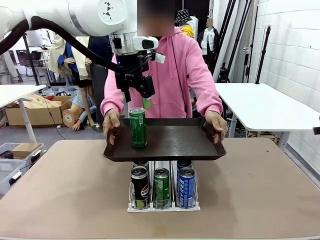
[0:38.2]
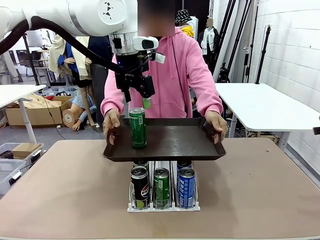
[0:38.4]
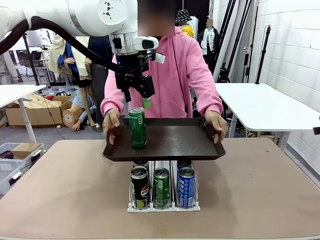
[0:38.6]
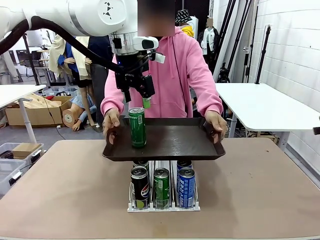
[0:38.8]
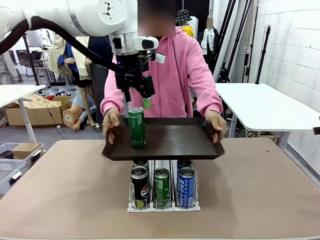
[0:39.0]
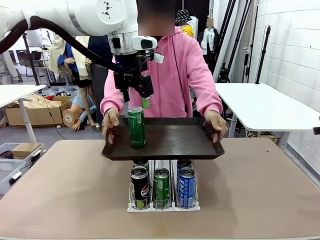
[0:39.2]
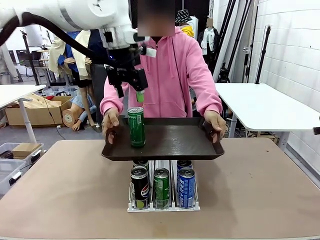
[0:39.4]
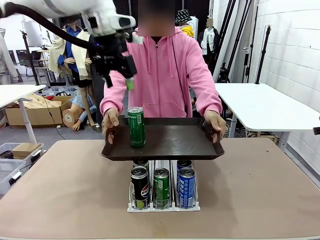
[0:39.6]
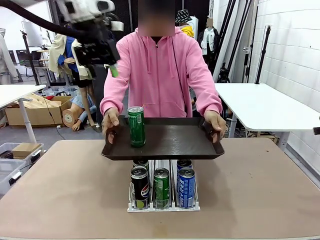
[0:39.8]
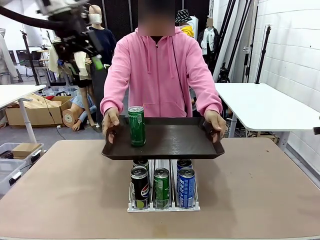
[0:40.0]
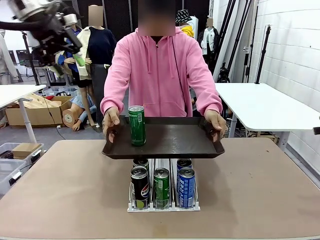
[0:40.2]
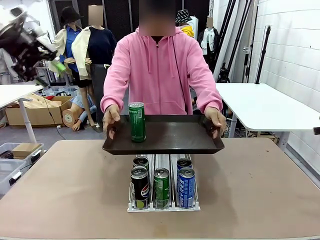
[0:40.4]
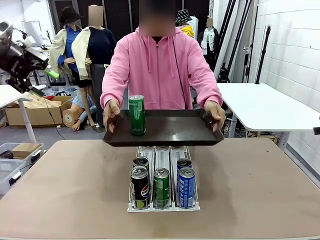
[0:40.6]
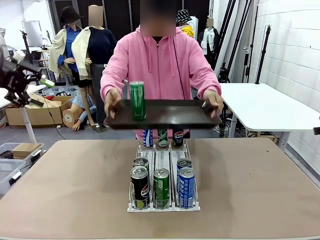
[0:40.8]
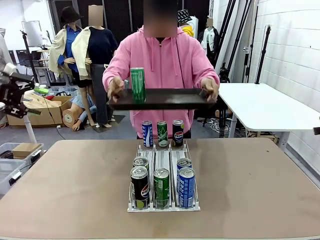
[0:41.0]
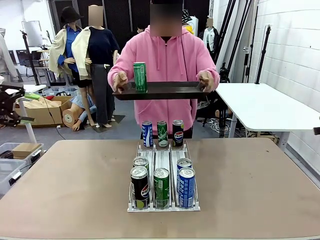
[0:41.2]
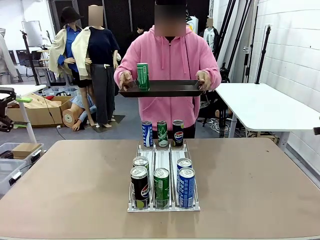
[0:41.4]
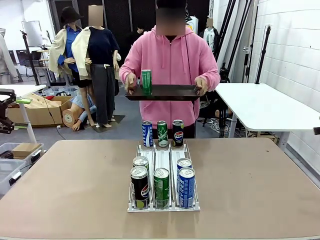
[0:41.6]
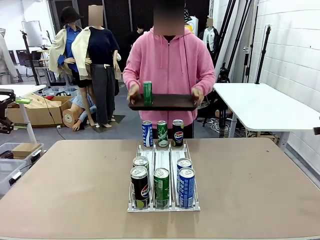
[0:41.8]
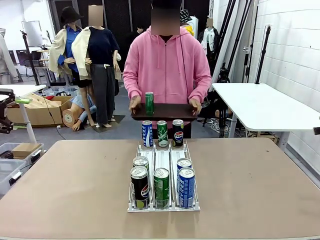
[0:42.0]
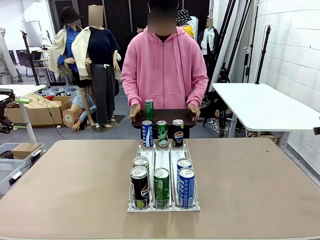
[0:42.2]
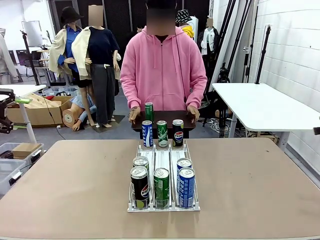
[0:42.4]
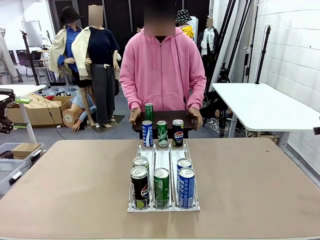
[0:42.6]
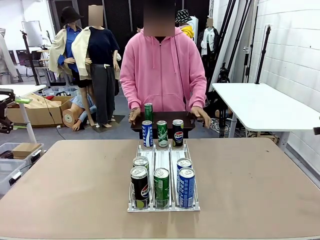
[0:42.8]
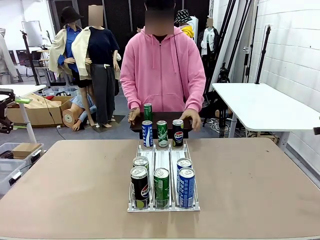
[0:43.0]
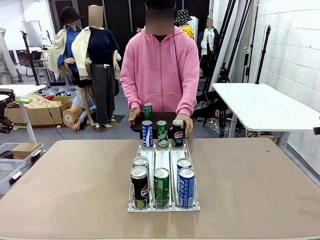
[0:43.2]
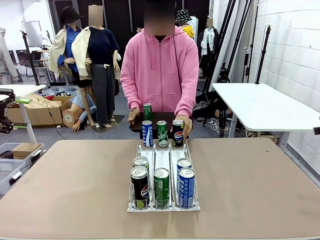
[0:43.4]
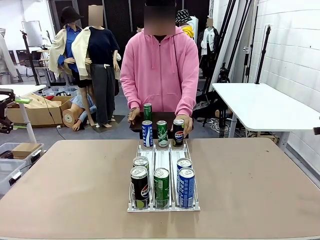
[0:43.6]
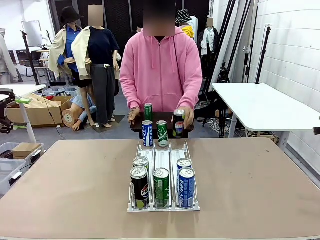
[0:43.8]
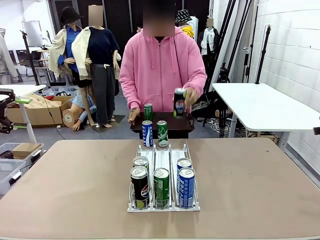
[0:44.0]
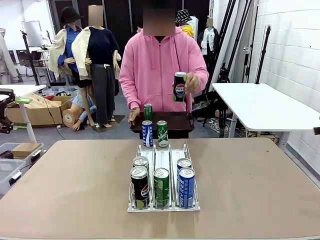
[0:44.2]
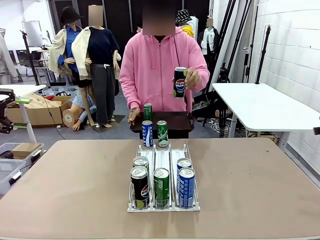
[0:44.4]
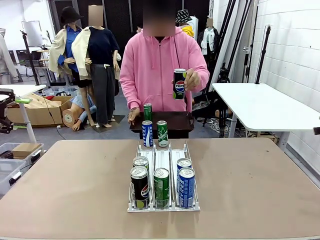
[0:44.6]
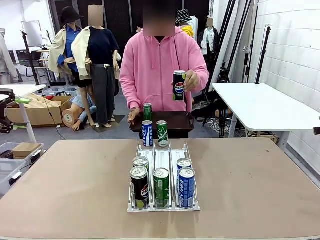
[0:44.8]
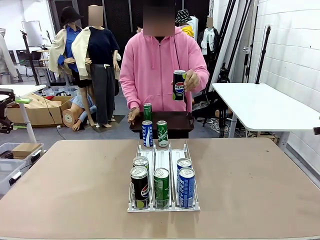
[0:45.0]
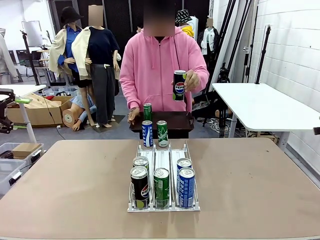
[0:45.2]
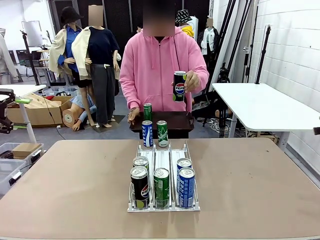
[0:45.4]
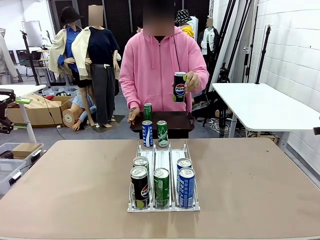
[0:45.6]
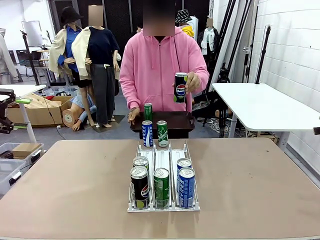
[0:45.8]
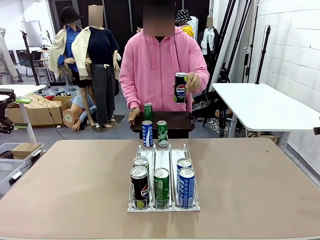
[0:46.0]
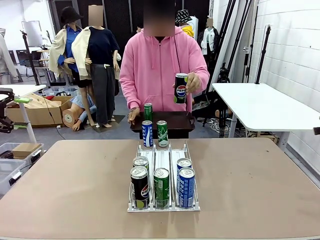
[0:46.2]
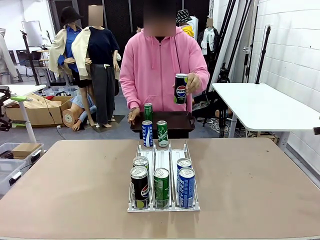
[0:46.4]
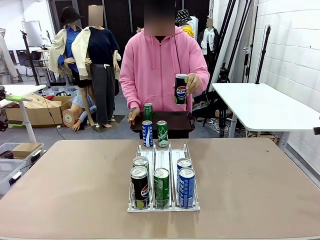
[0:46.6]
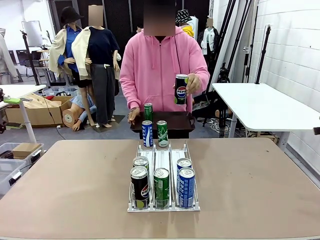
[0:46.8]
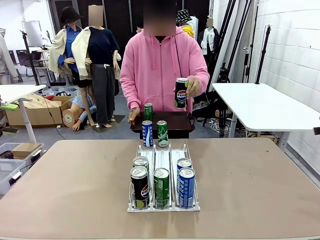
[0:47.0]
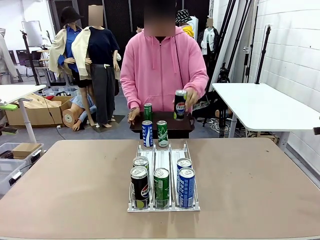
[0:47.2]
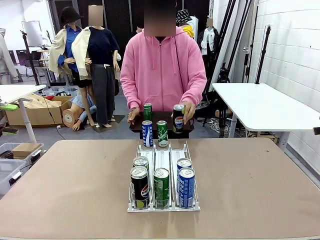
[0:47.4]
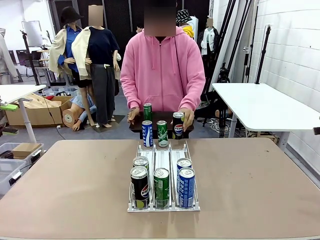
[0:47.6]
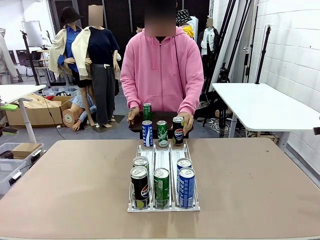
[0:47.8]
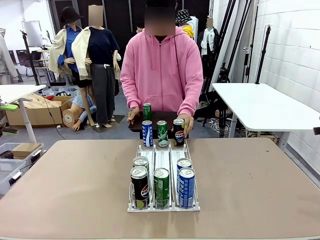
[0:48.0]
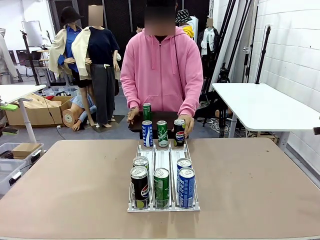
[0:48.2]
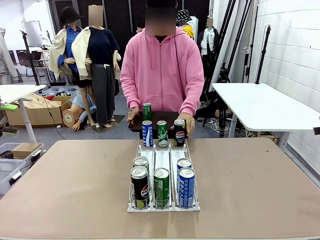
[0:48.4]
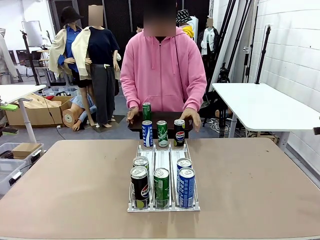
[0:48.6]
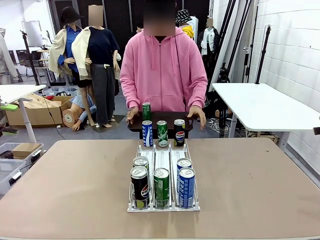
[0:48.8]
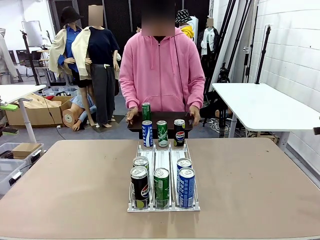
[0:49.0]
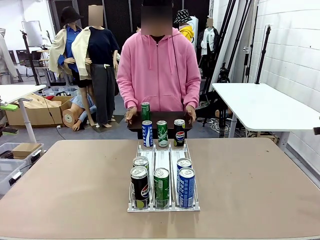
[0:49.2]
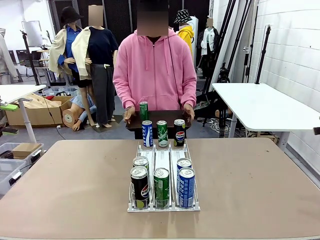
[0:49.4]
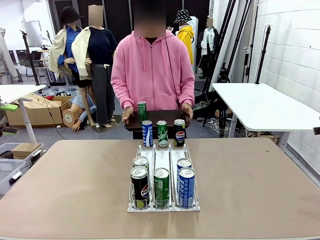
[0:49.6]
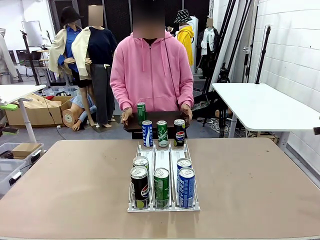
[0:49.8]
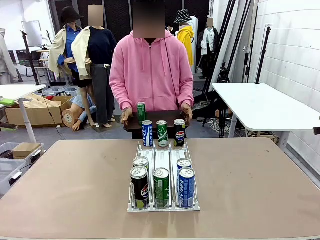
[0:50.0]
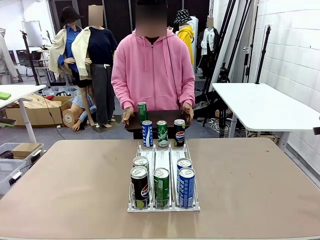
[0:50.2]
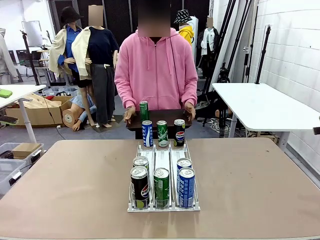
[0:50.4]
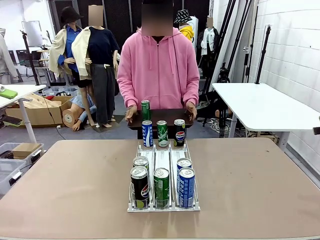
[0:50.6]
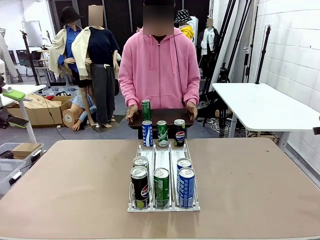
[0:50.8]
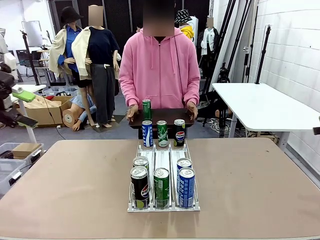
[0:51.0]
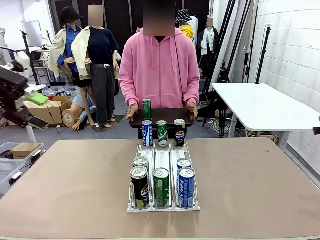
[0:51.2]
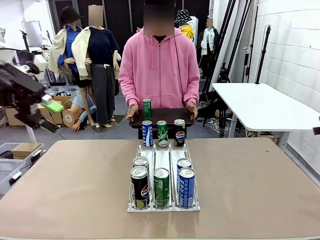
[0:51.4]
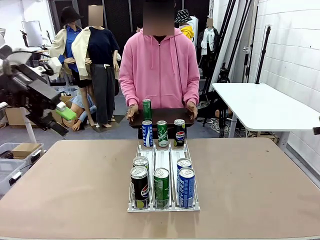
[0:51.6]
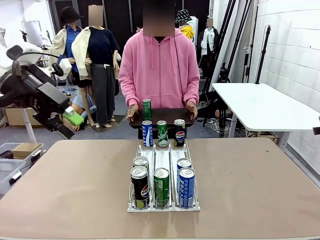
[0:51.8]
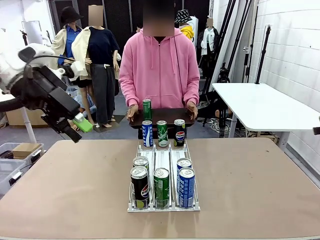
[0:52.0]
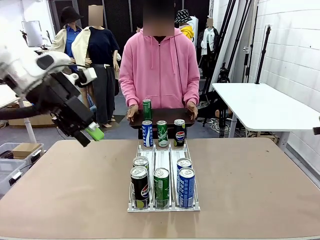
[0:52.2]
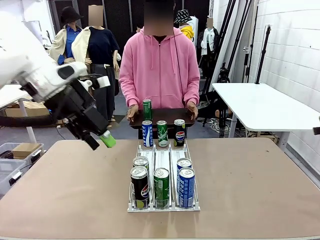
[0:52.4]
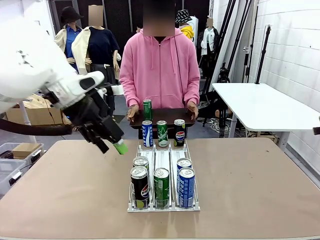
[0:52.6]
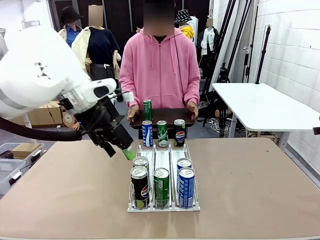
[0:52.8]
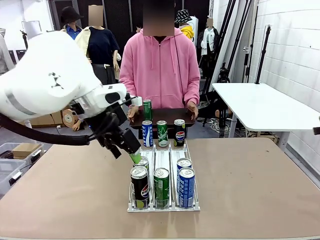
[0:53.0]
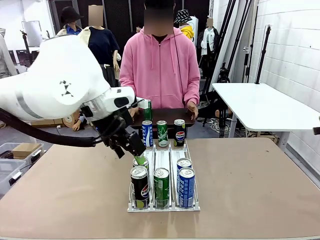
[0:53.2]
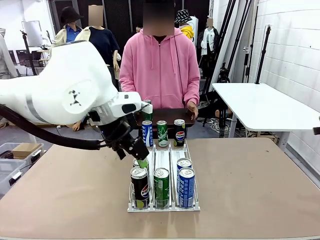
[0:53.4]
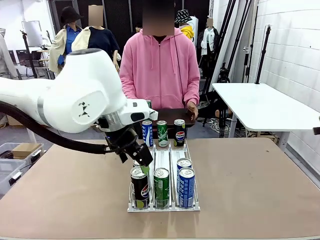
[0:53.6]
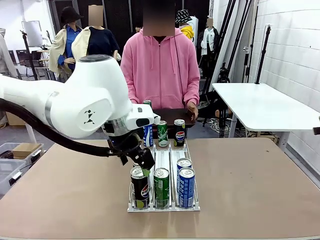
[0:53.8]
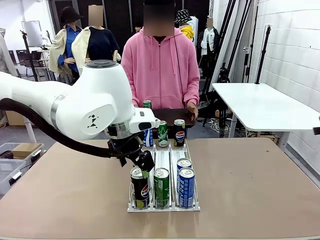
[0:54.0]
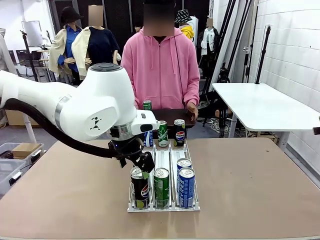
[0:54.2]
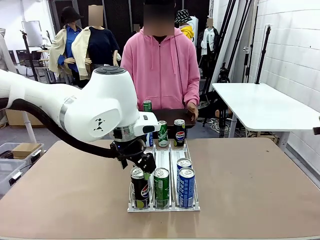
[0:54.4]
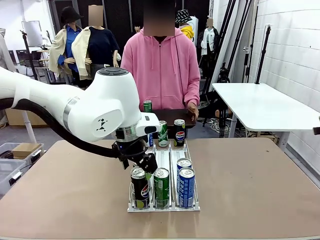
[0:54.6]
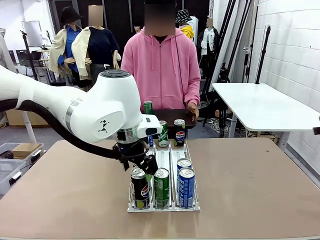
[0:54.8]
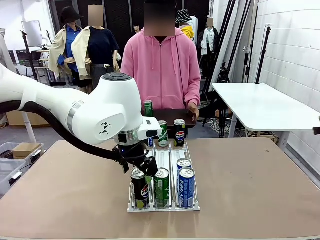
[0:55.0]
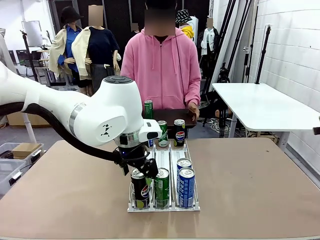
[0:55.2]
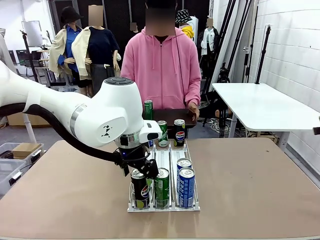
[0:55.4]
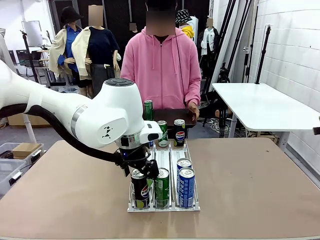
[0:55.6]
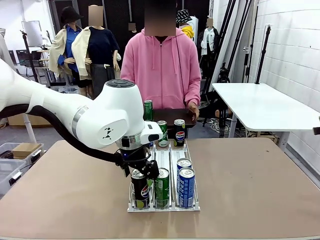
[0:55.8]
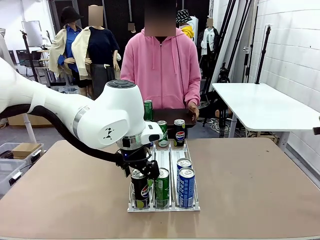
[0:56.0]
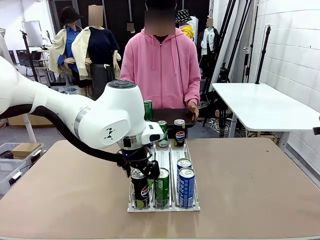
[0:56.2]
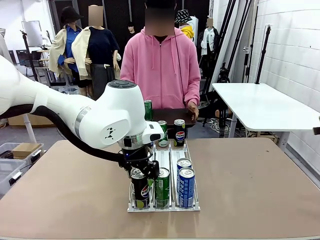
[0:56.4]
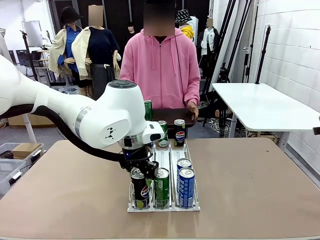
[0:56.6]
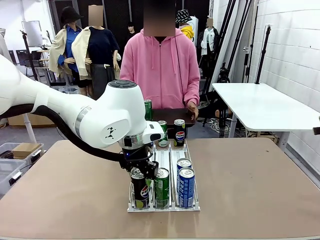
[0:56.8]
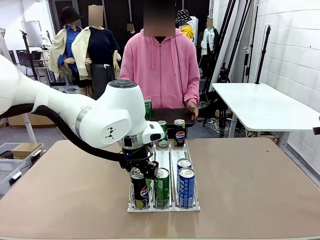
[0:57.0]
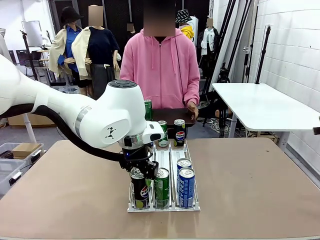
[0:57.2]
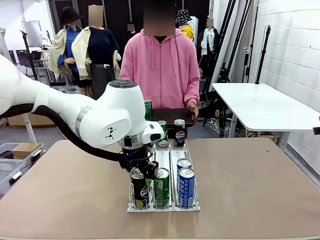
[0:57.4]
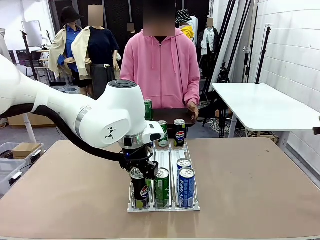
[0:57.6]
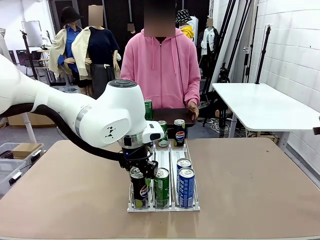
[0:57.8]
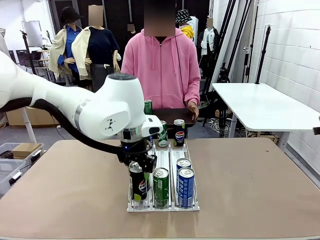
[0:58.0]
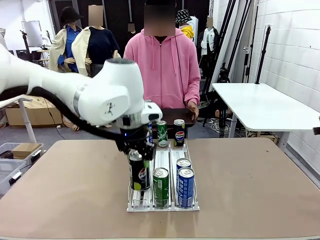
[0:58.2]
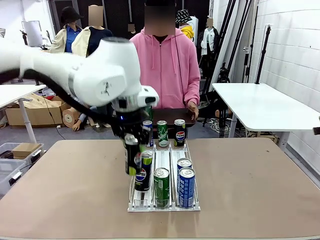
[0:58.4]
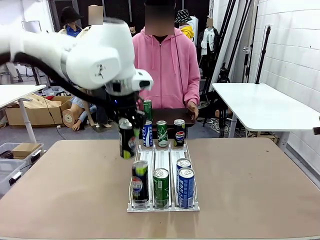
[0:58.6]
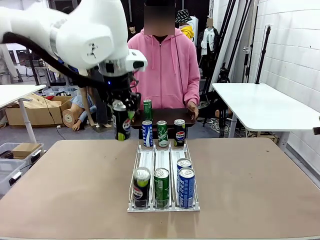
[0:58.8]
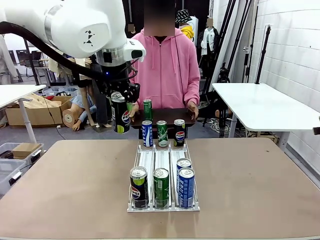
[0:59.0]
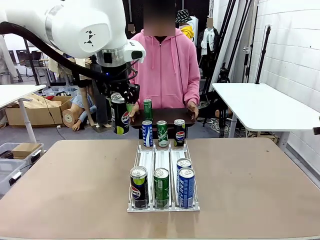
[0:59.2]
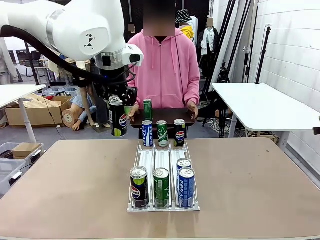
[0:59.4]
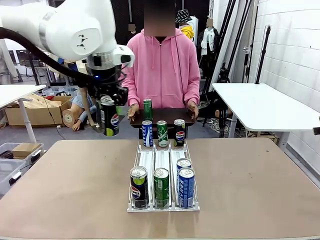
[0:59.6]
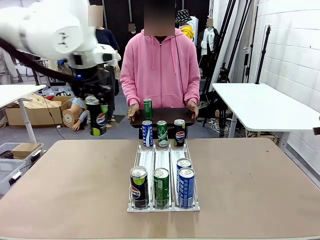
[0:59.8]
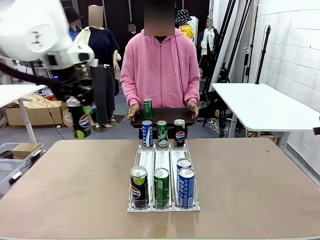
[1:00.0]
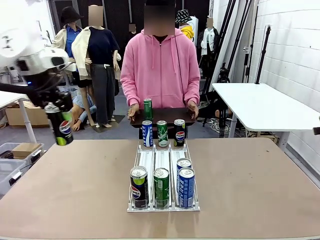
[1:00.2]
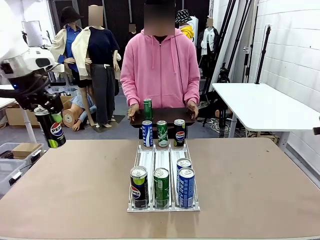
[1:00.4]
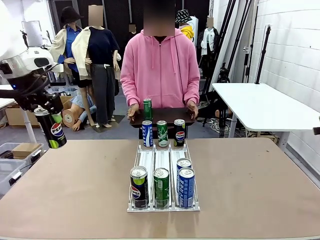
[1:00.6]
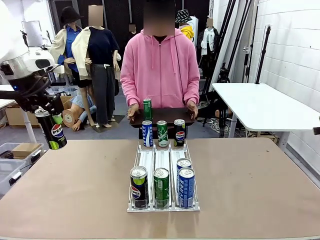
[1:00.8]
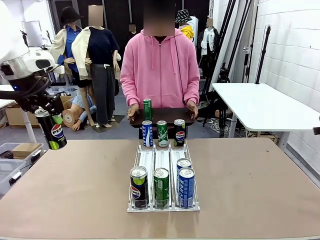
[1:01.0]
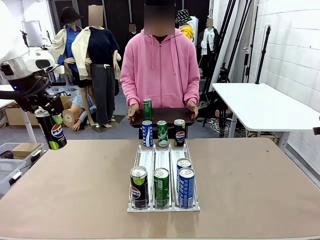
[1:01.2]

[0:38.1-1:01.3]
Task: Retrieve and hand over the desired beverage to the person.
Robot: Pick up another can of the same type that the person held from the Automatic Can Dispenser.
Person: Pull the tray back, then pick up another can from the bottom area of the table and puts it back in its original place. Push the tray toward the robot again.
